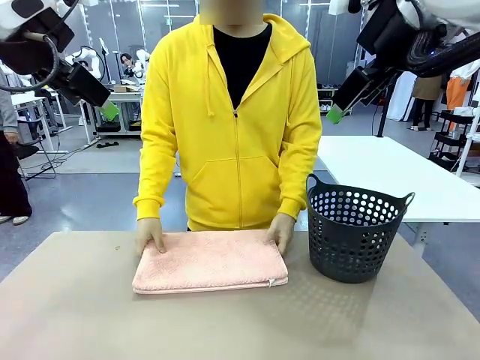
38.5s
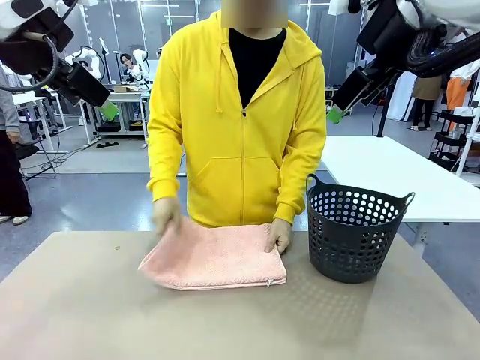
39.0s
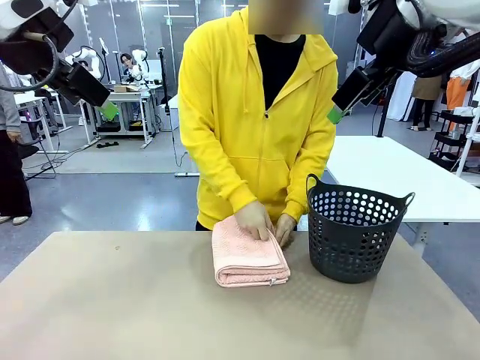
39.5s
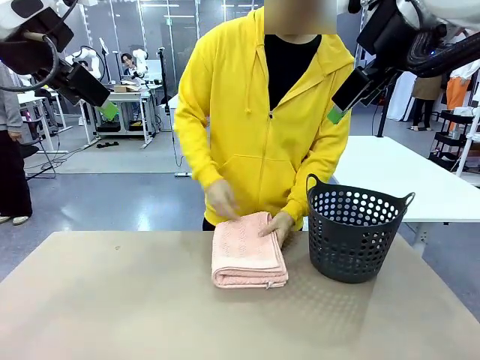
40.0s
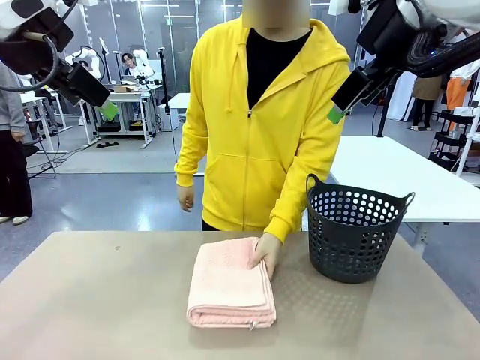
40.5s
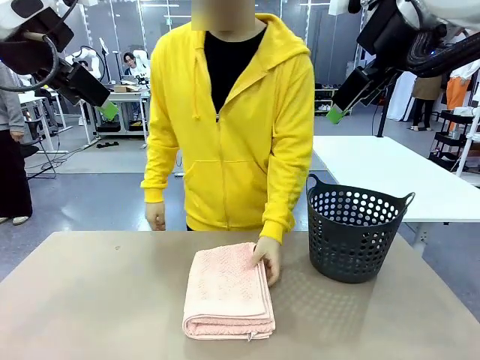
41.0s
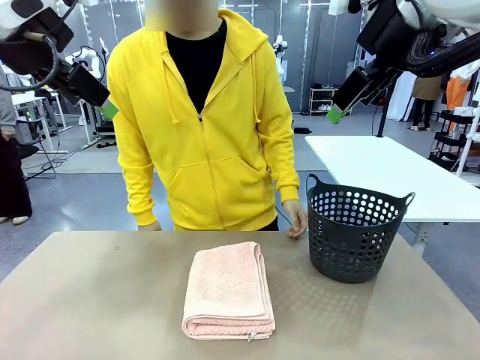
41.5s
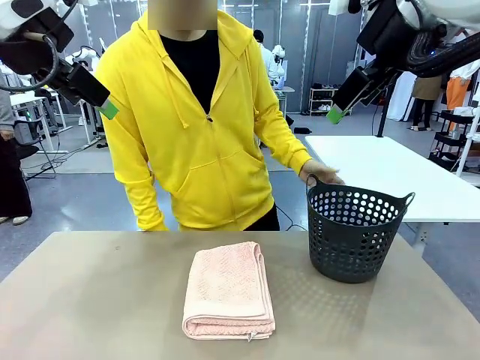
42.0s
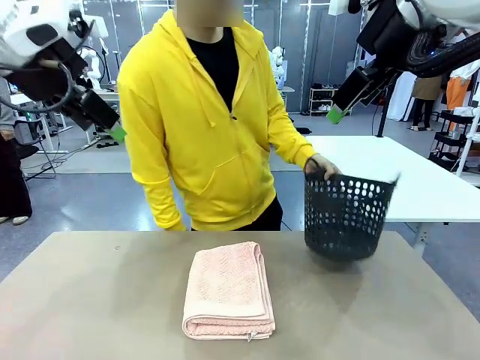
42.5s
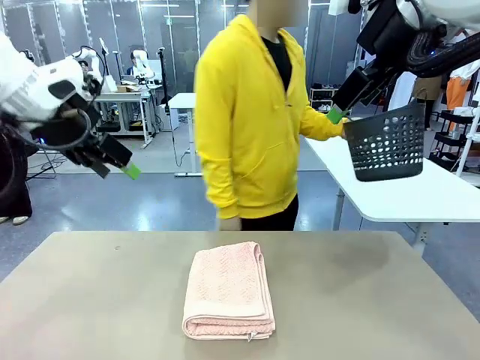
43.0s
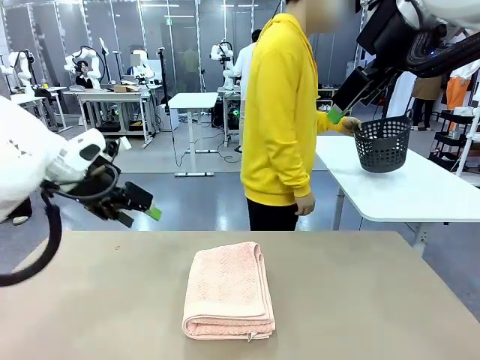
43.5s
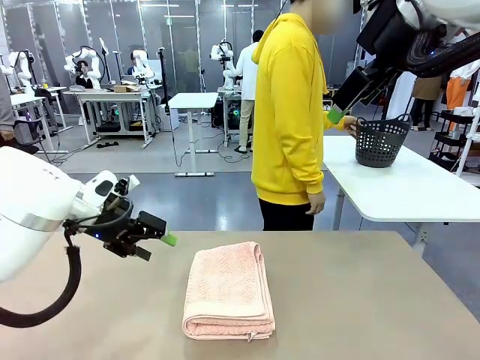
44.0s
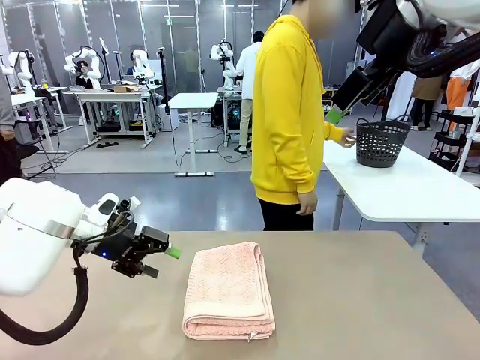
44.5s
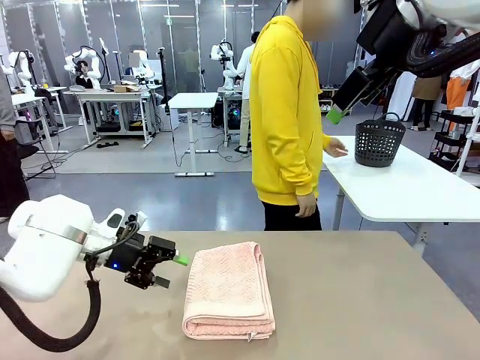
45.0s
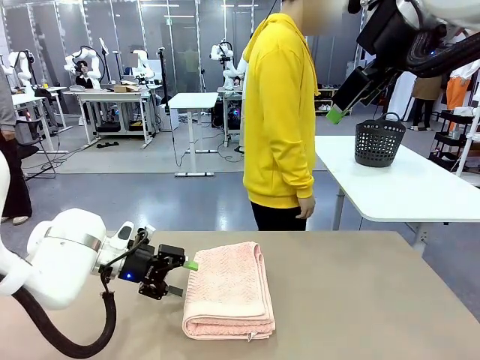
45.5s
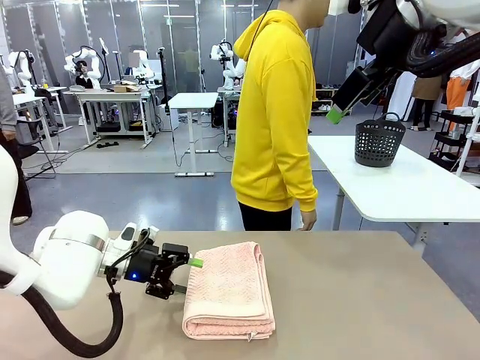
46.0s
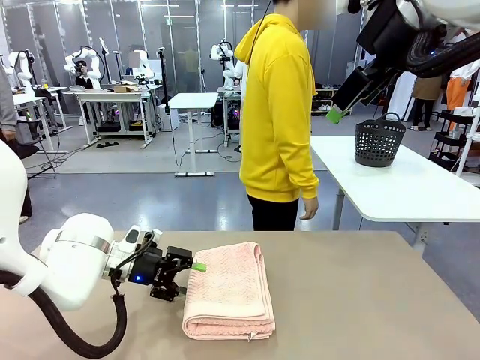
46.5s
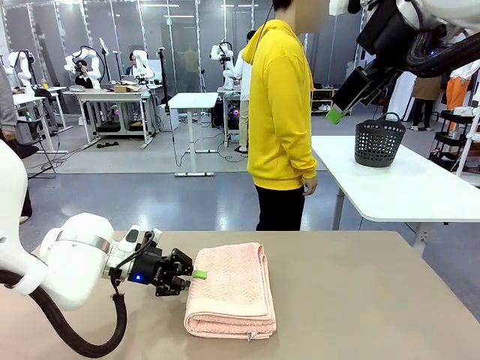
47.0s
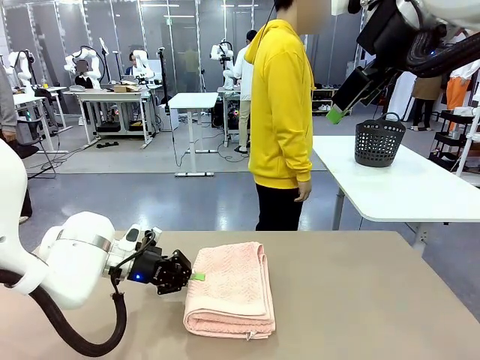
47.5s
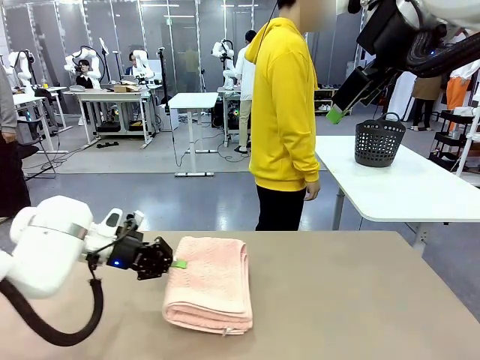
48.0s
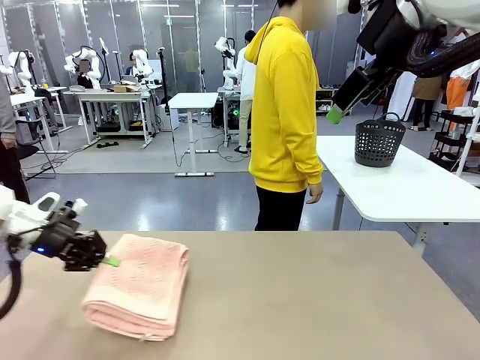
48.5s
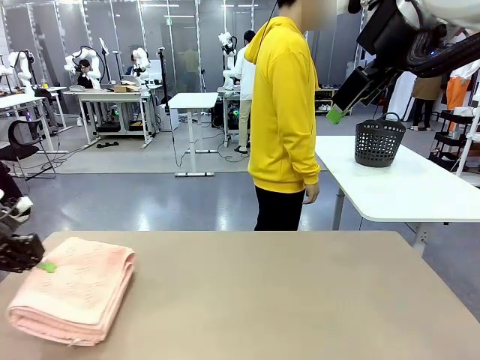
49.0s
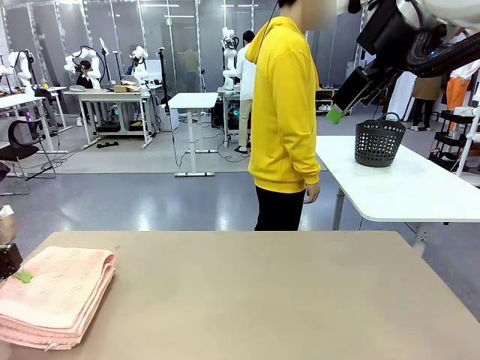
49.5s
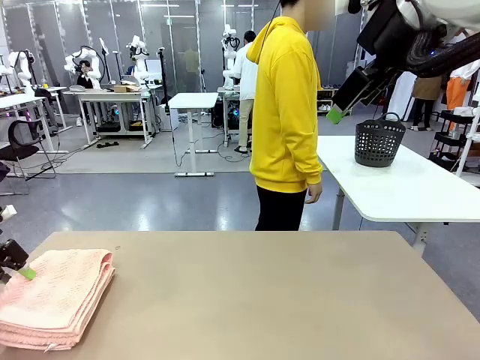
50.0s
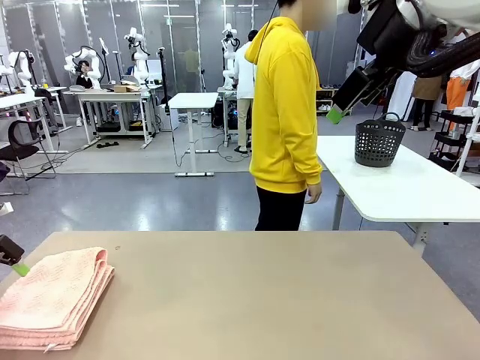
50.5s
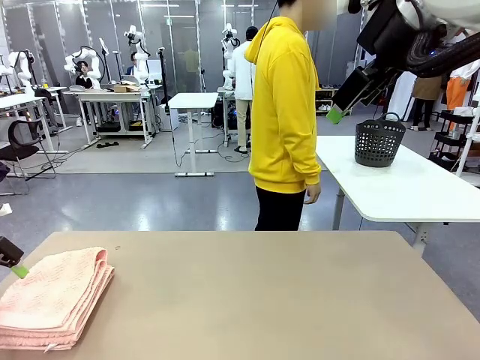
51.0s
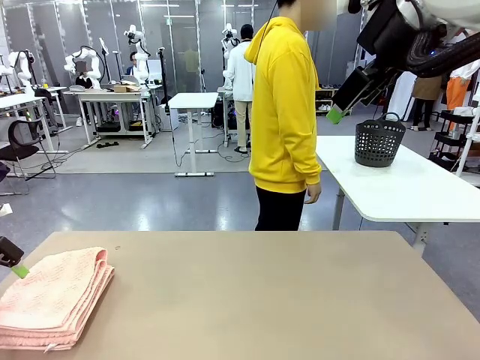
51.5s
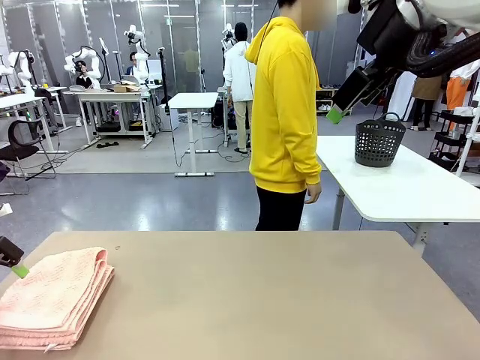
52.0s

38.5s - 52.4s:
Task: Fold the towel.
Robot: Pick up the 100 cm Hotel Towel and place it on the left side of the table.
Person: Pick up the laundry basket and place it at the center of the human table.

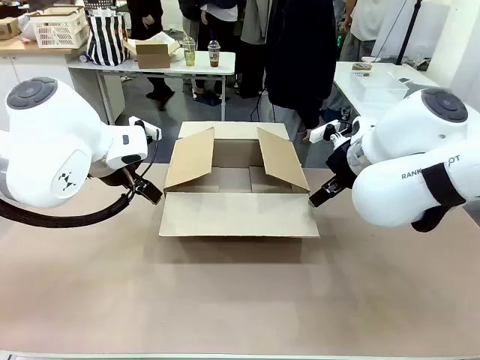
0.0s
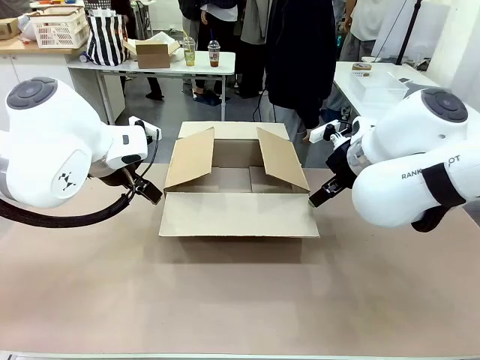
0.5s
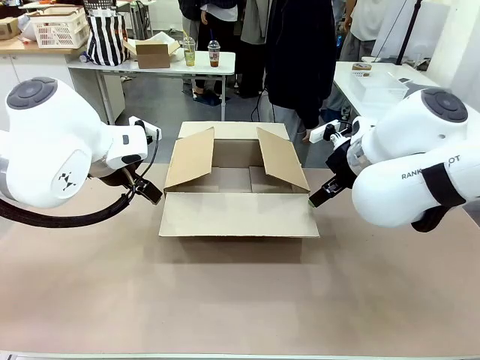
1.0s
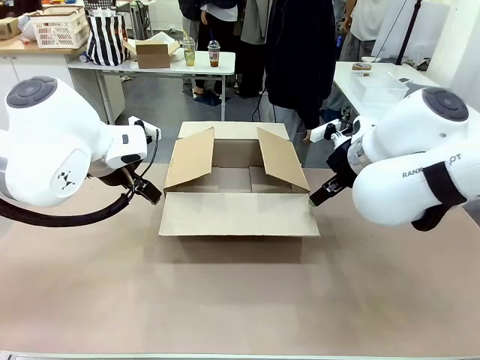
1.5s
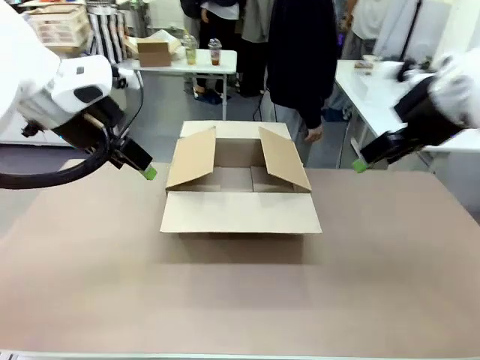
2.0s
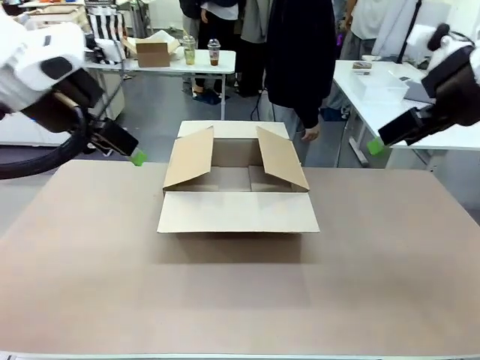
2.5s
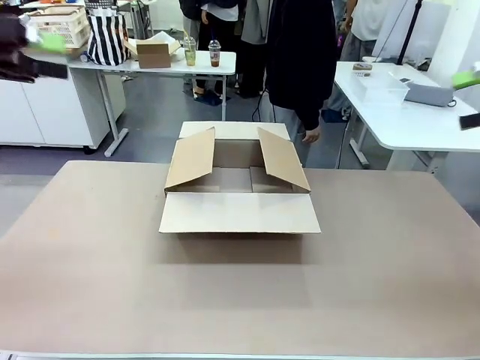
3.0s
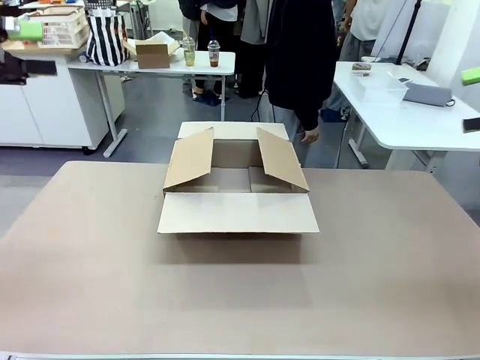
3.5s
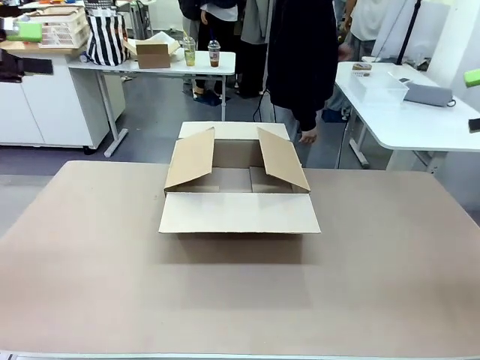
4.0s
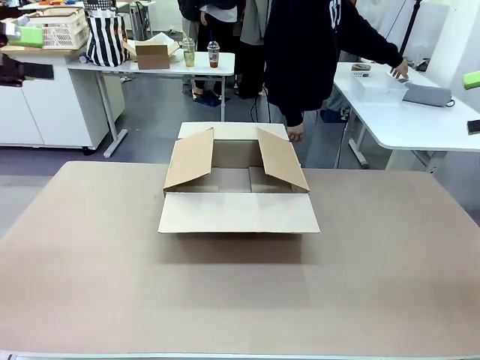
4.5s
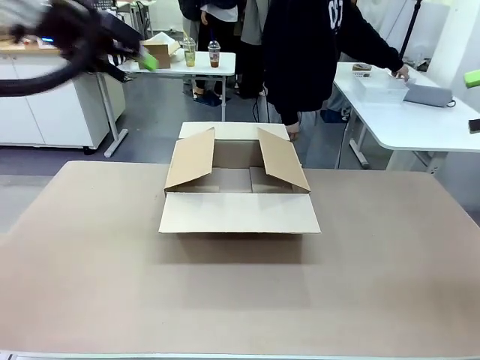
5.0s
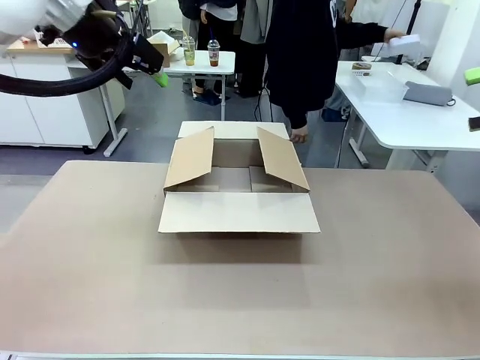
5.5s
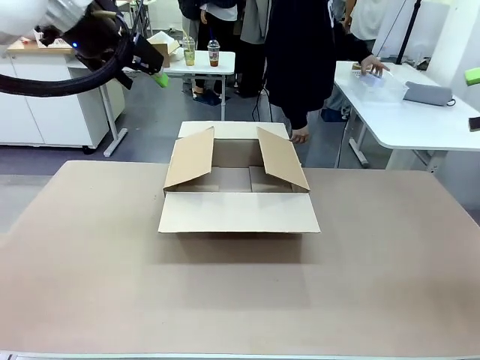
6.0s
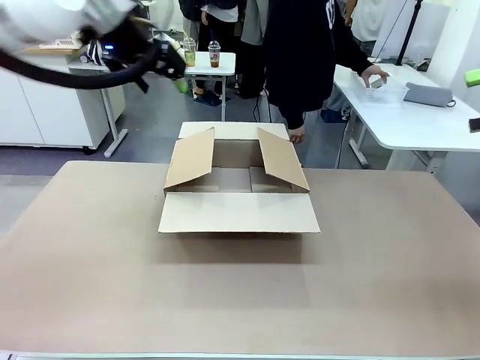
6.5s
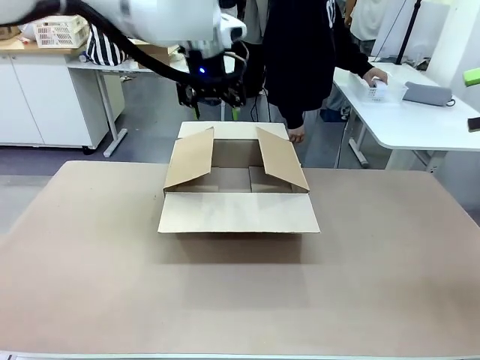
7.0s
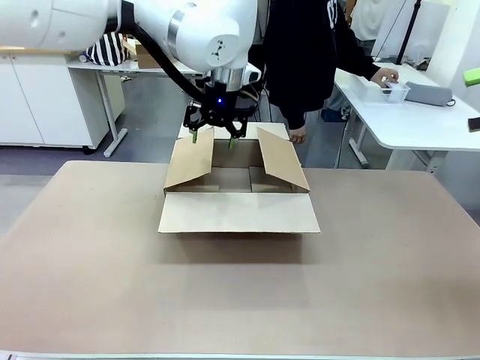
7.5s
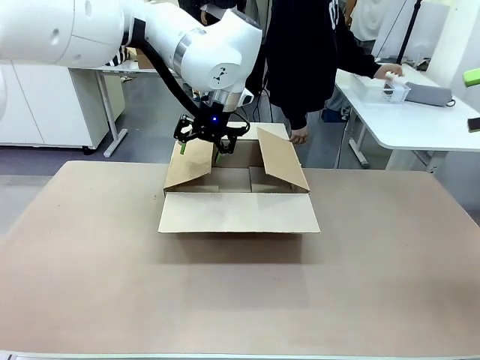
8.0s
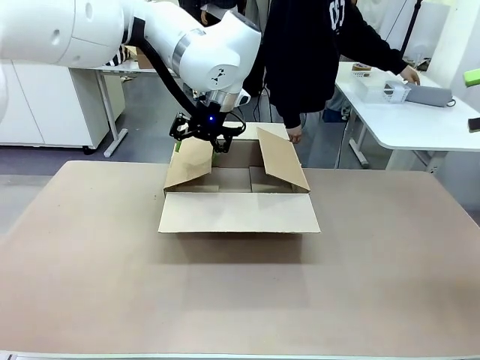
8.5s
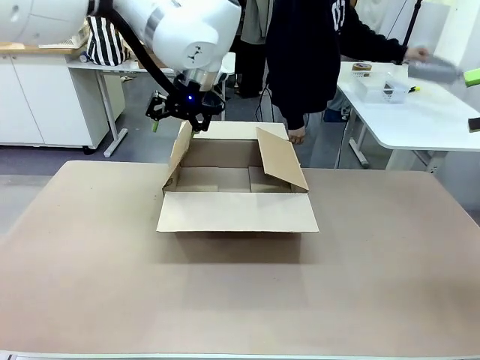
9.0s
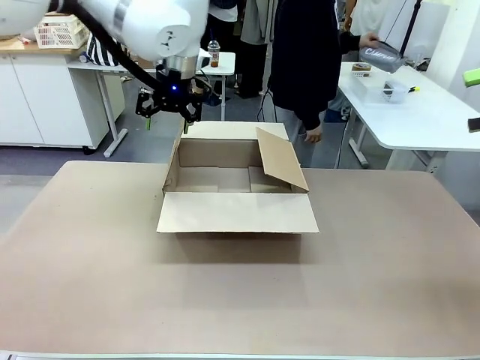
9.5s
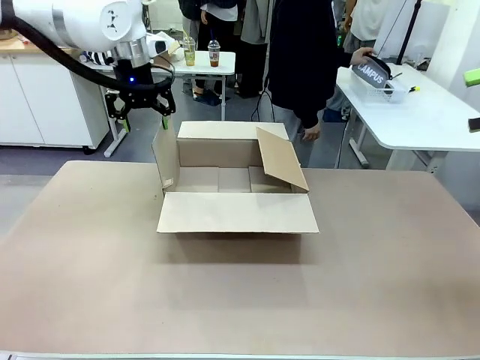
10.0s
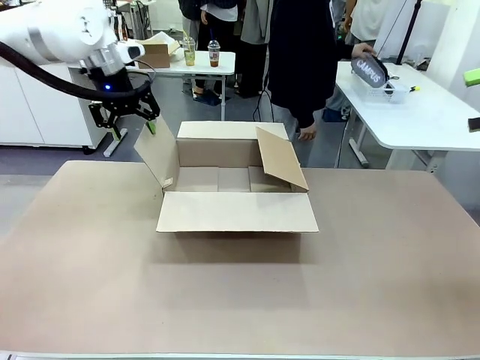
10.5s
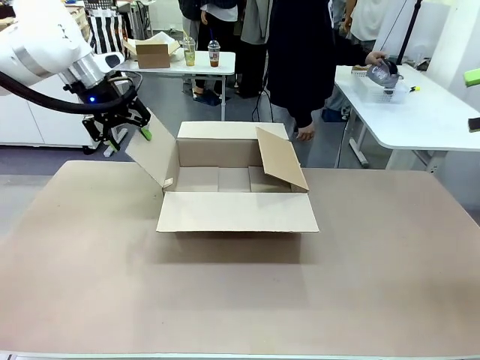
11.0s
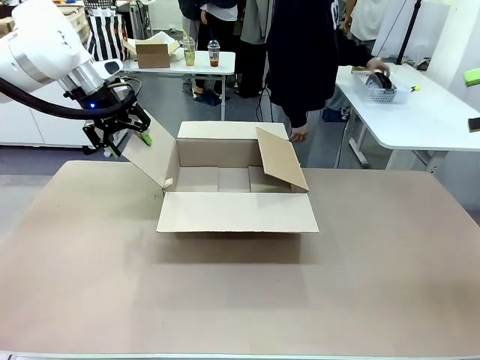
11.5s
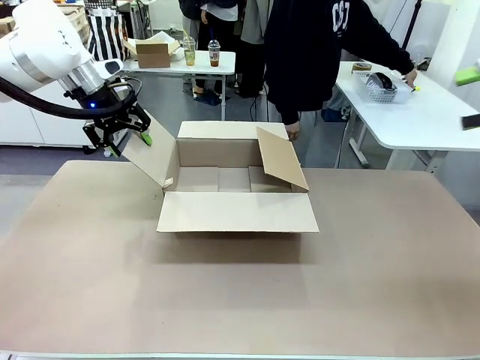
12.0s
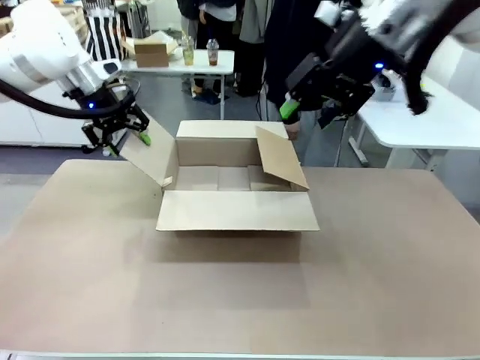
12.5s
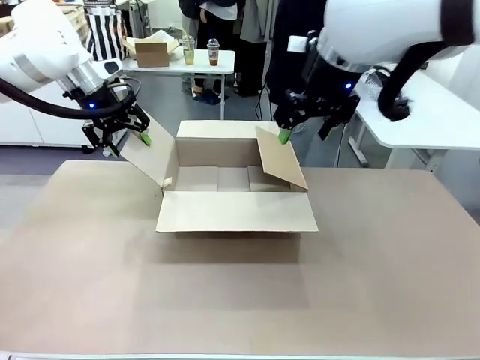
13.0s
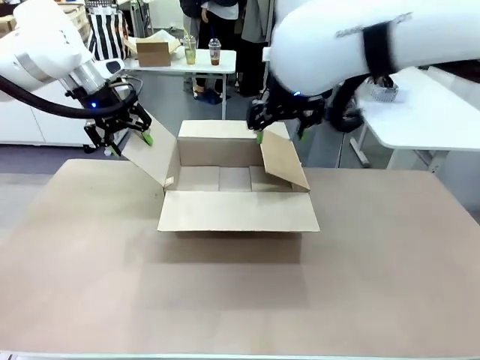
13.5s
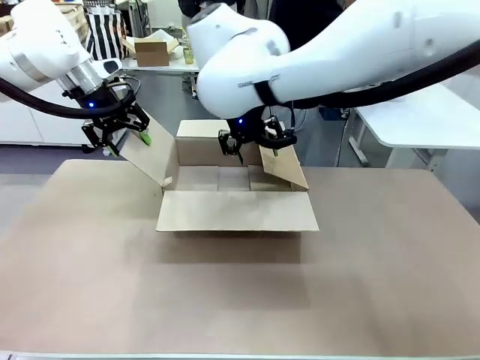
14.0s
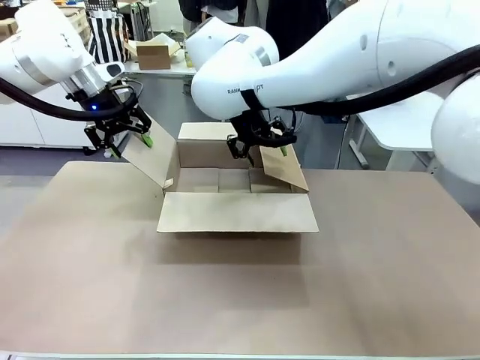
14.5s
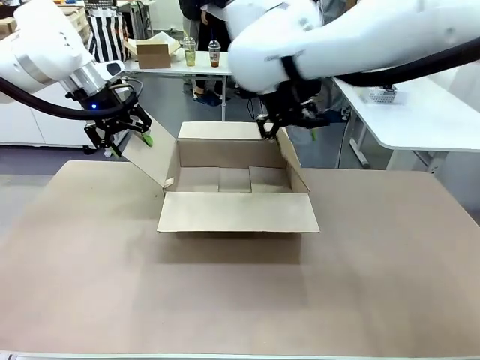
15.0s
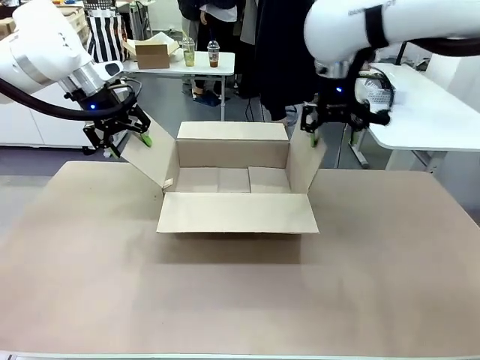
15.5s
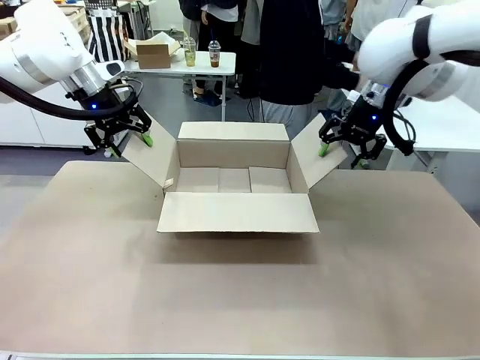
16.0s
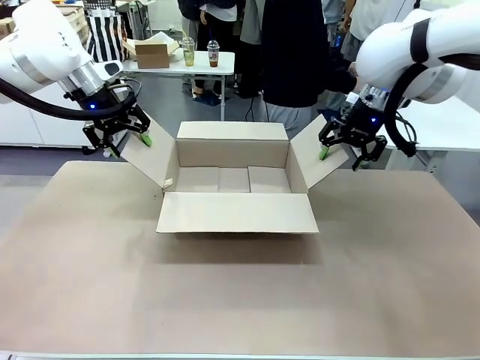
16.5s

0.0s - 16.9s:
Task: Pack the gift set into the box.
Robot: Place both hands on the side flaps of the Package Box and spread them outward.
Person: The human places all items except the paper tape into the organizing basket.
